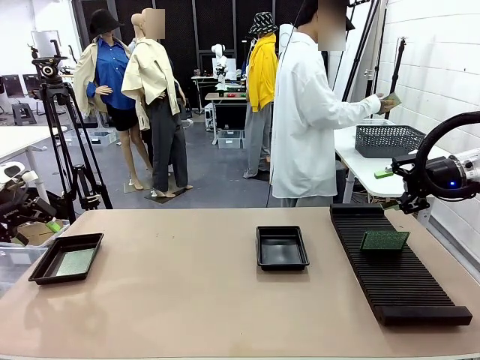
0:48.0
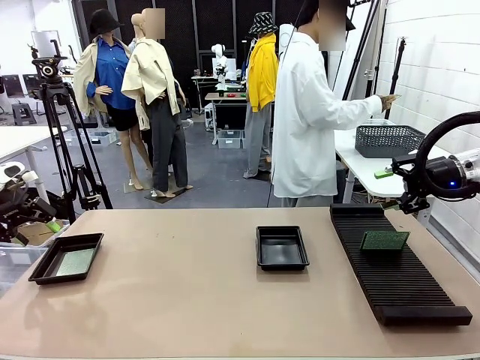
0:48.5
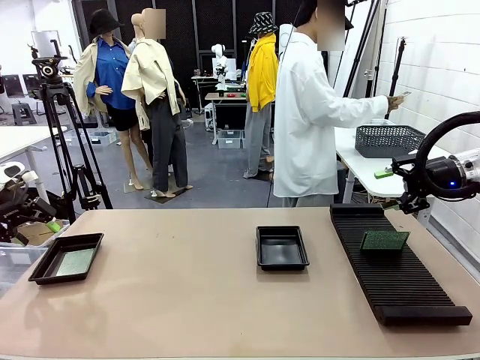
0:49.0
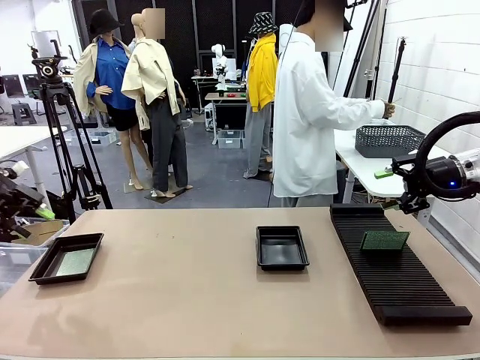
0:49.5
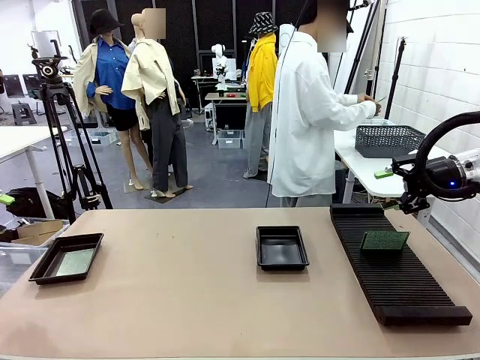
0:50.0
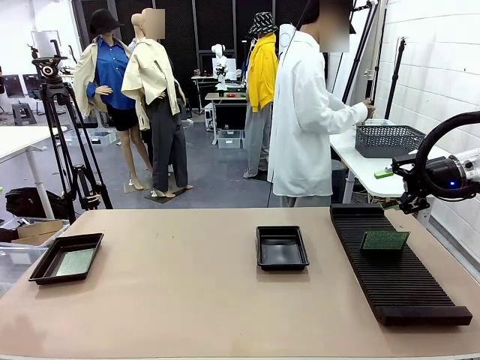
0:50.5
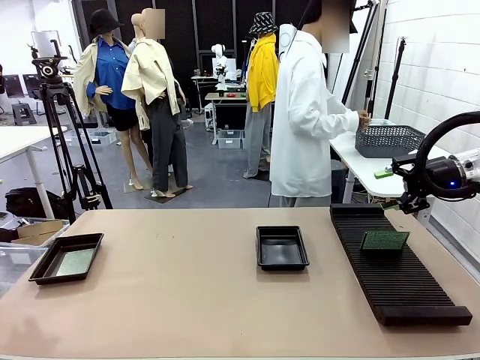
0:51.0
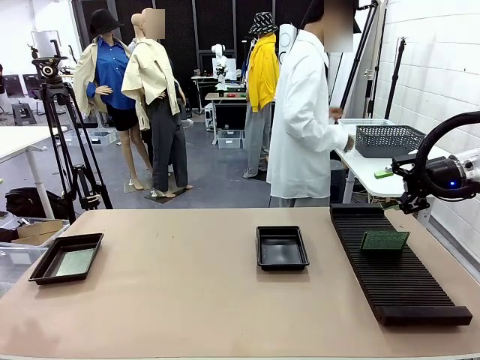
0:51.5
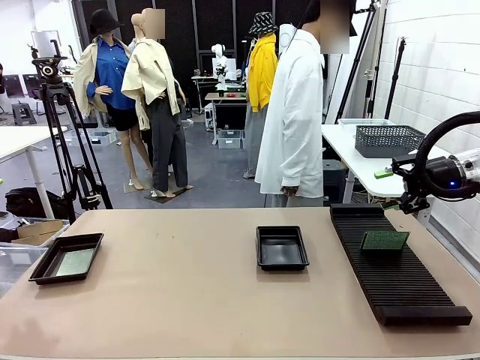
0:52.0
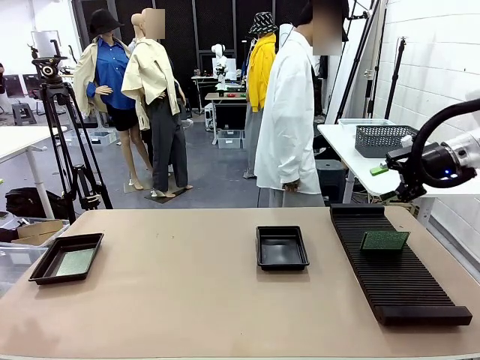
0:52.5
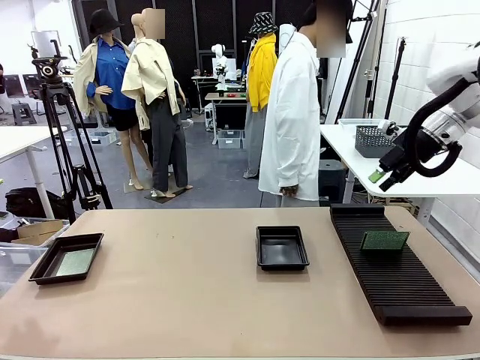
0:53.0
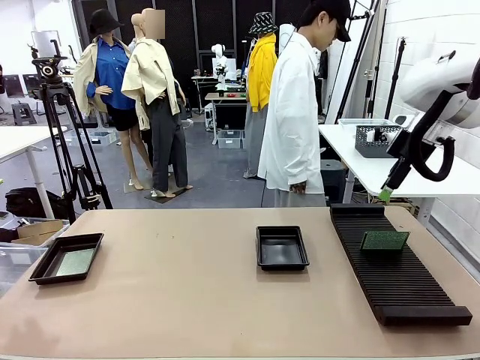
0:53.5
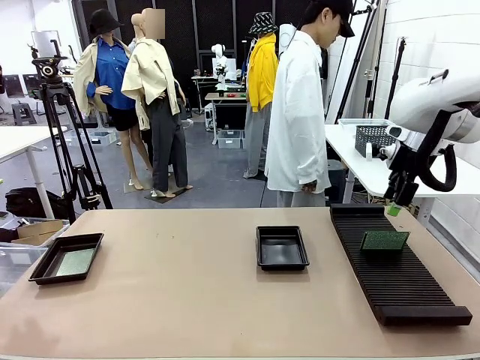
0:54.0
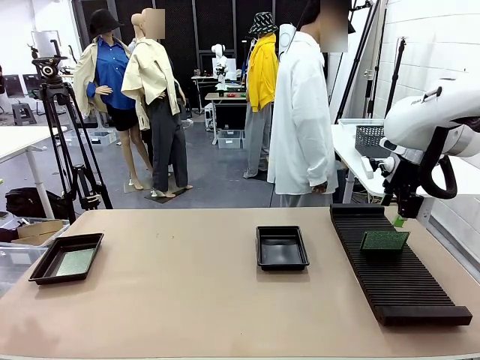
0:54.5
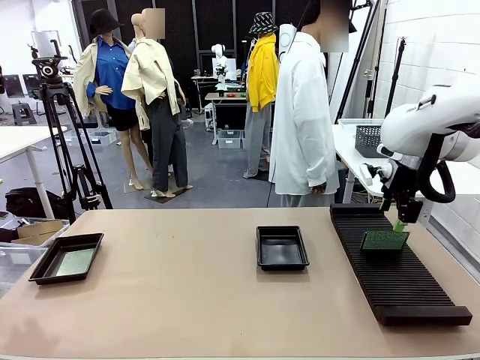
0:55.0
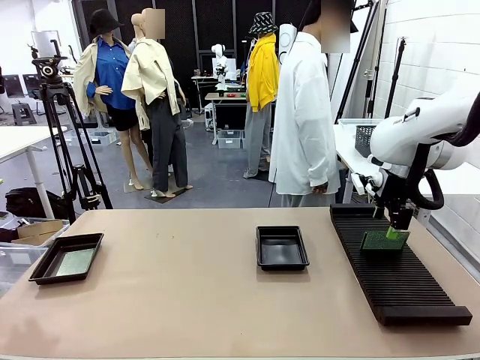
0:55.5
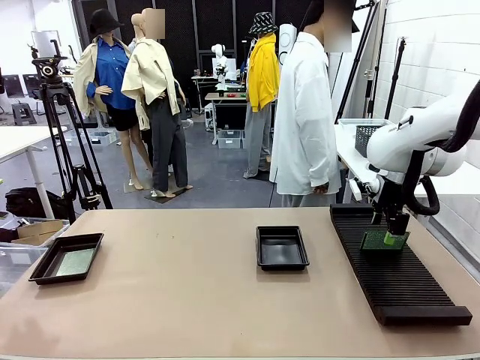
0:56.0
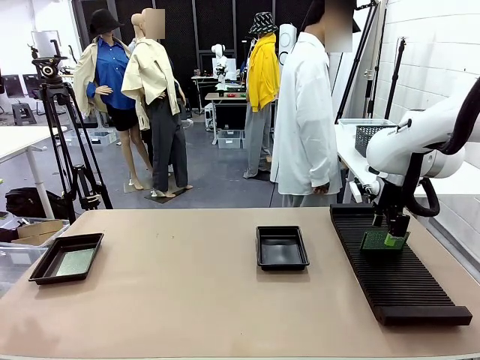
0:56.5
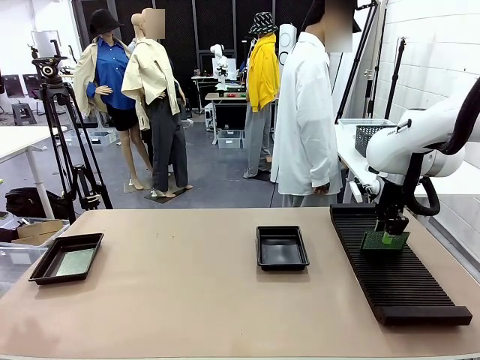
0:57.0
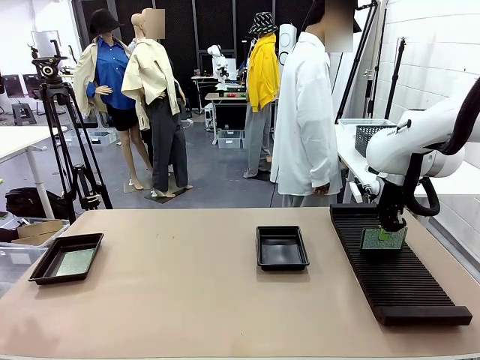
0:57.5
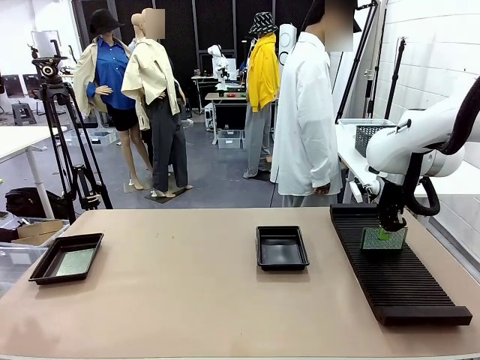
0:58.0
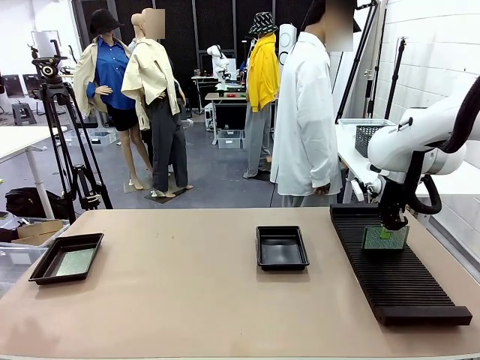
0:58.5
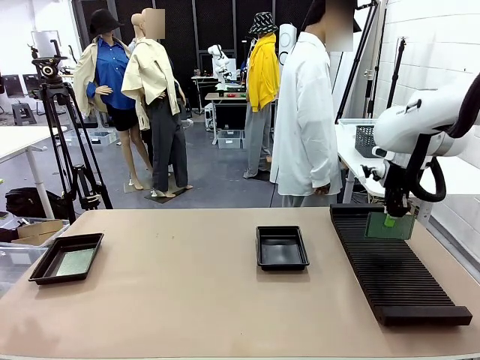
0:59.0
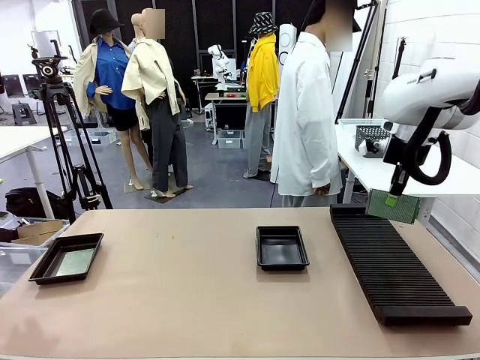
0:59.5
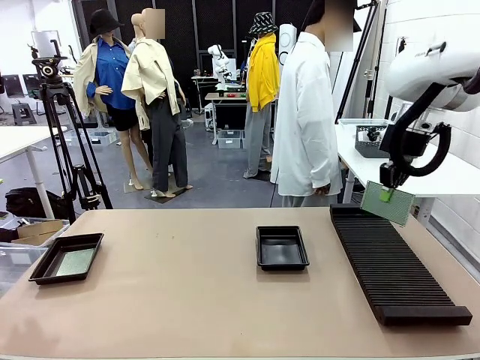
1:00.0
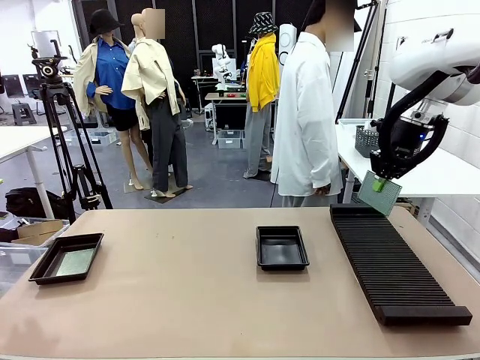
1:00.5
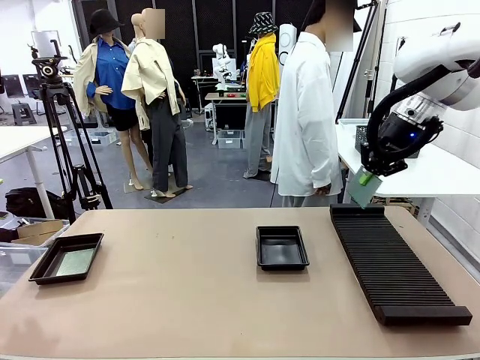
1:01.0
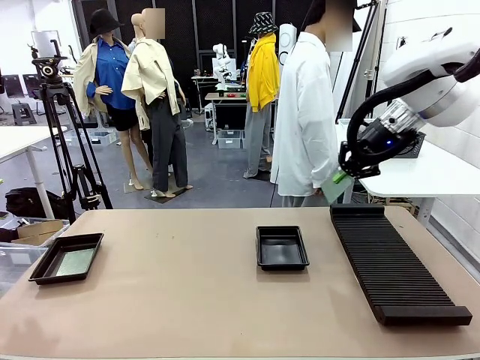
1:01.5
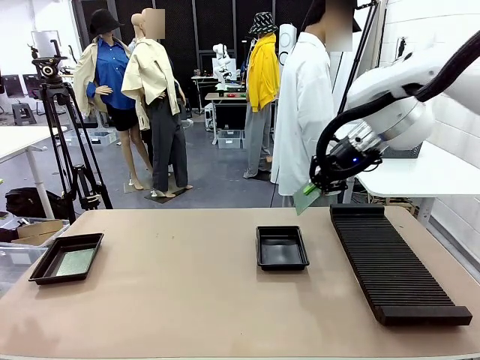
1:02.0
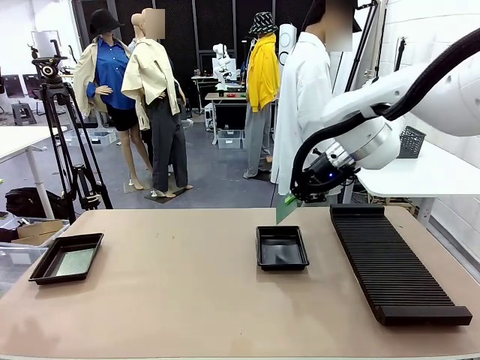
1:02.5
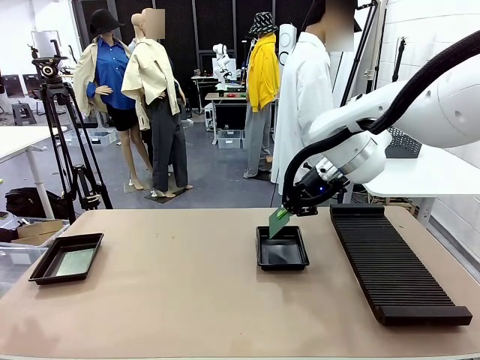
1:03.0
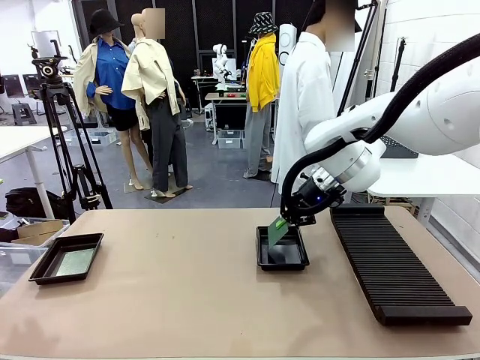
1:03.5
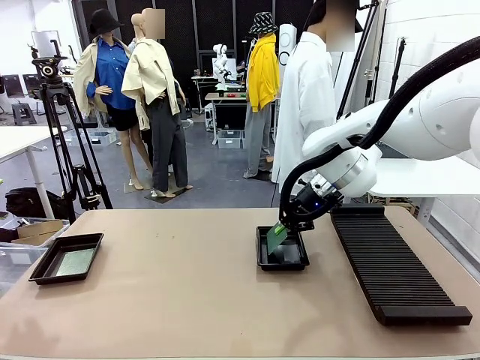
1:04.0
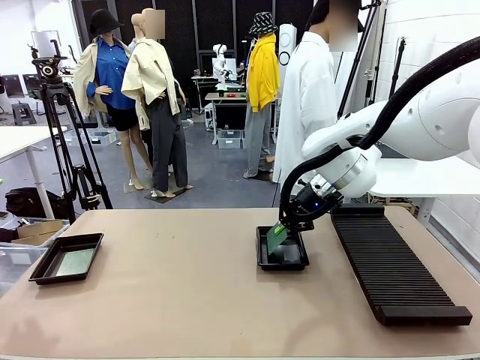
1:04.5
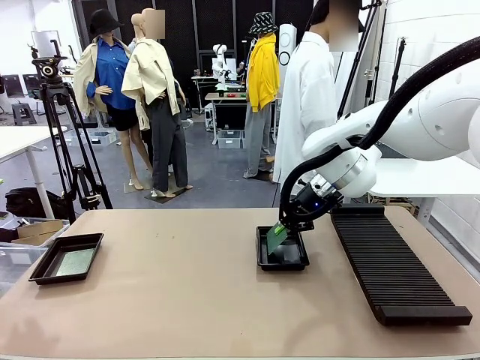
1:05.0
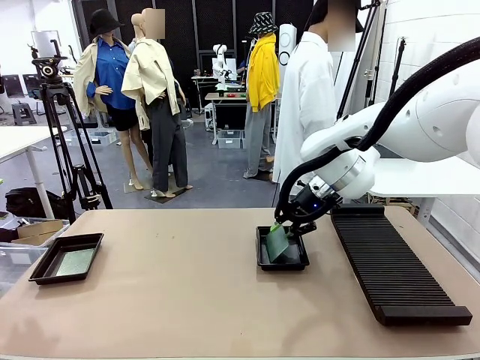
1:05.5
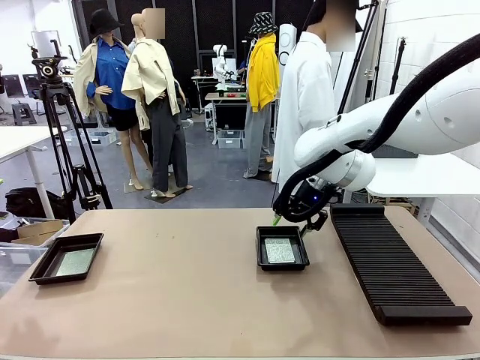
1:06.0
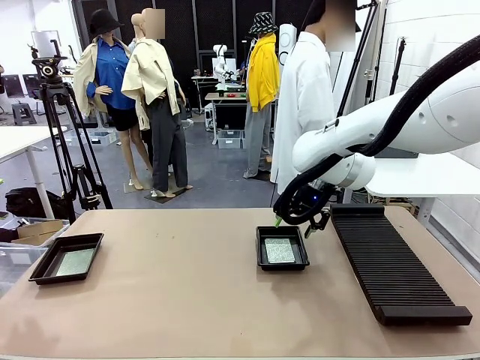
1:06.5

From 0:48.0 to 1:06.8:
Task: Inspect and transfer BCBs to ESD trays.
Robot: Pick up the Blank PCB from the PCB Rack and place it in the right ESD tray.

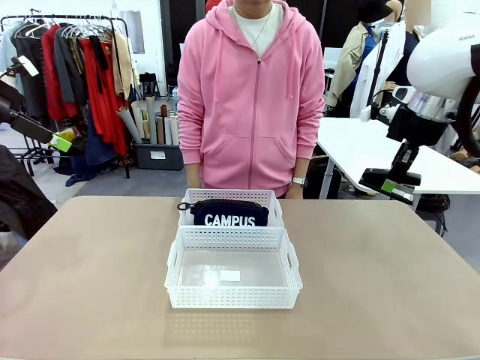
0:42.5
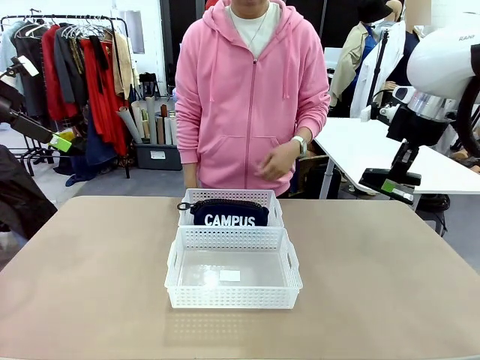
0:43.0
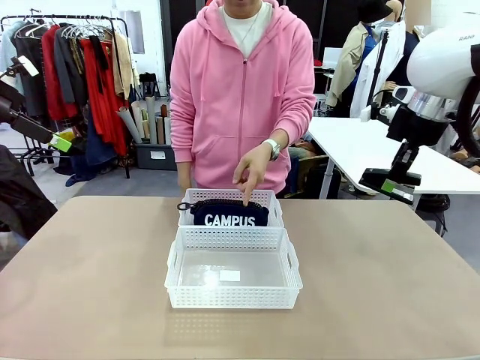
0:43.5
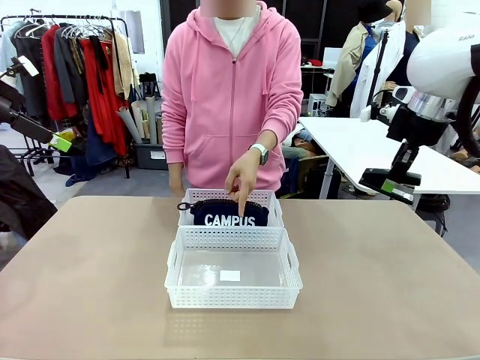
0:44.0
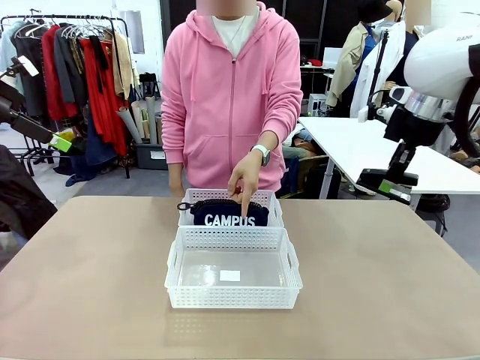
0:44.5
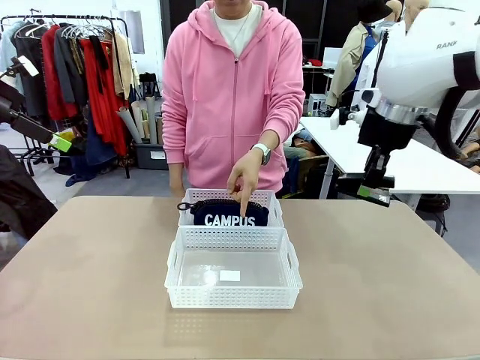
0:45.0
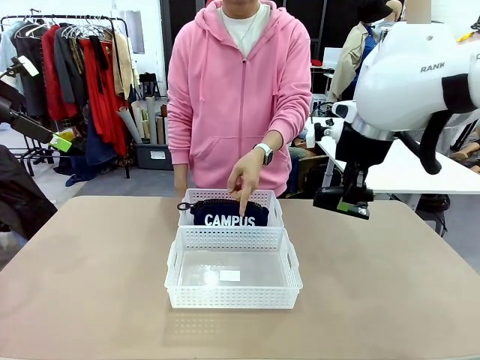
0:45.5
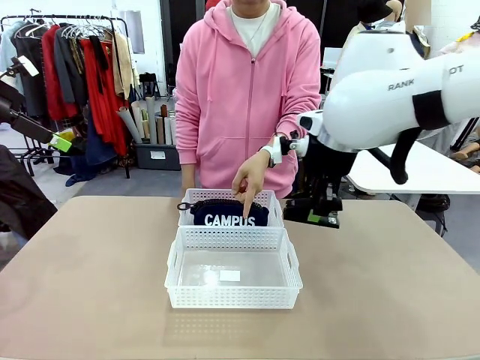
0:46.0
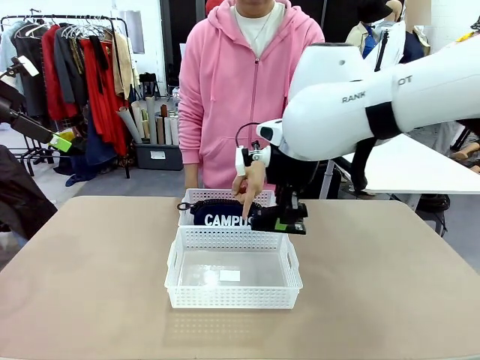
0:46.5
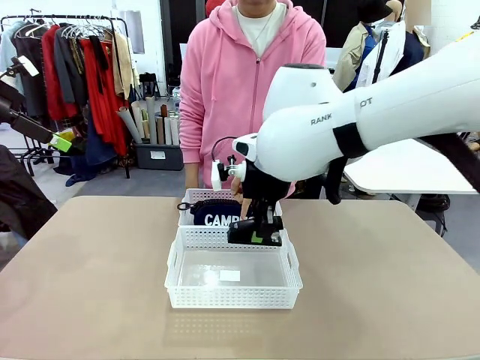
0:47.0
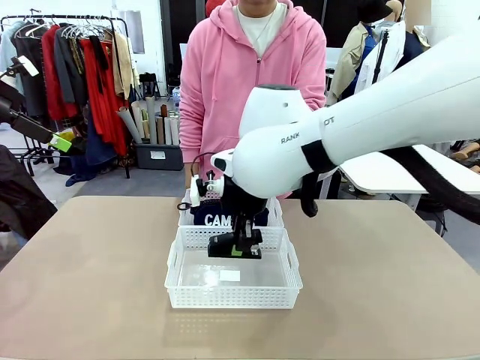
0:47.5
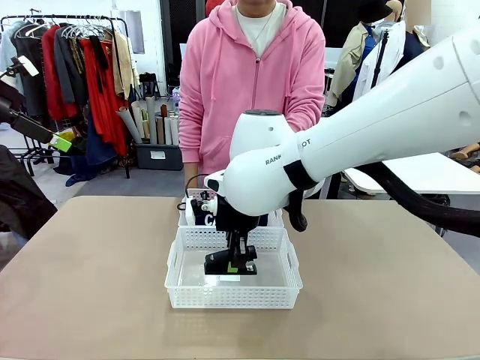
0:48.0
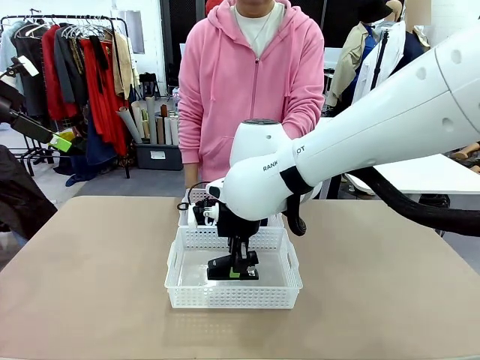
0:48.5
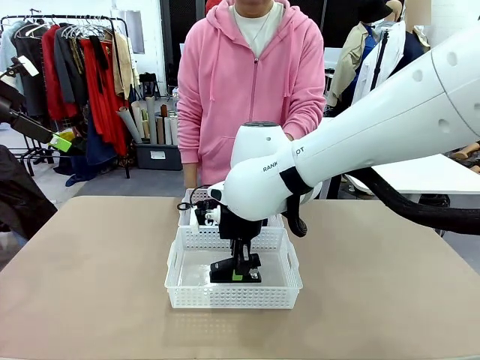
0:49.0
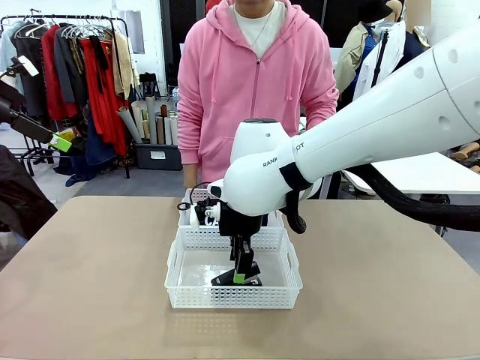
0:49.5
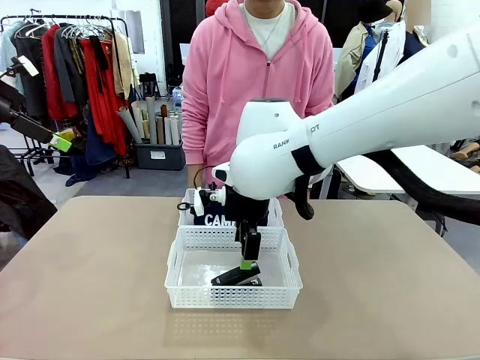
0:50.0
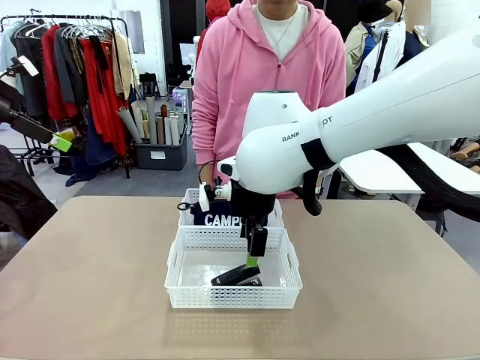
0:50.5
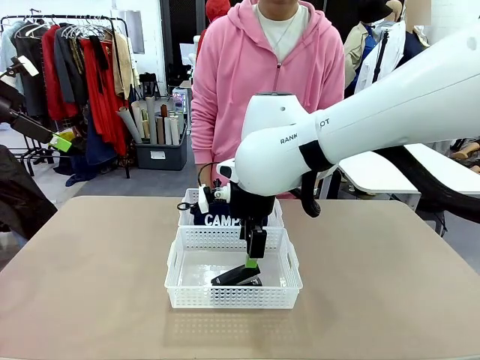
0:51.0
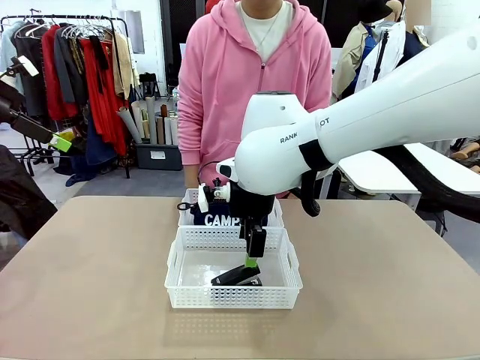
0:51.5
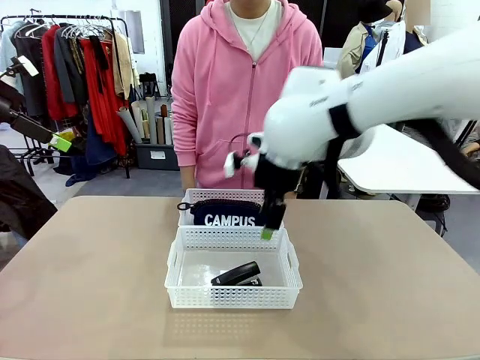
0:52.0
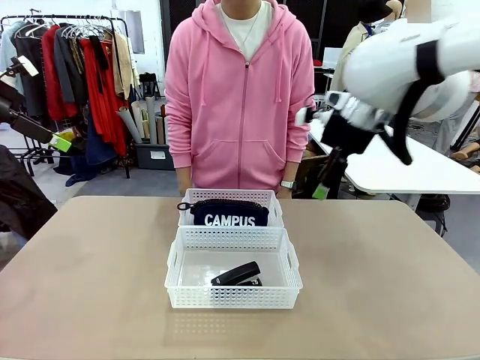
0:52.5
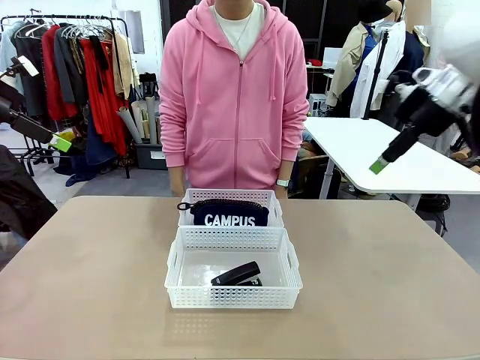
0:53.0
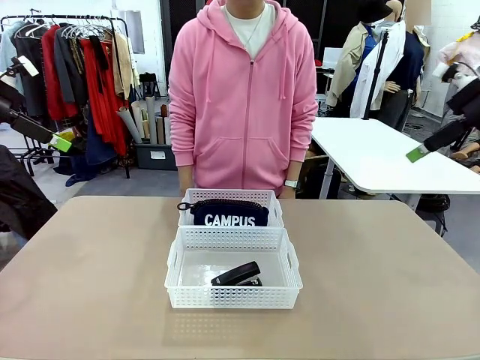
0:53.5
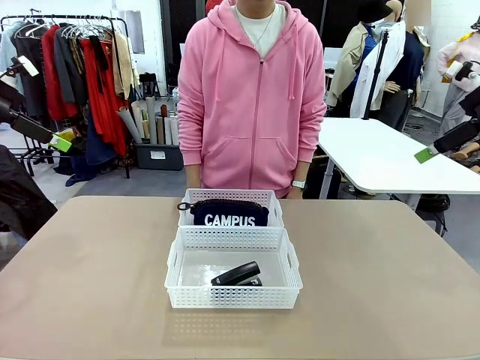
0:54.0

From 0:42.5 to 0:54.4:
Task: Distribute items into two baskets.
Robot: Place the picked Stapler into the Organizing basket as instructed by the person.
Person: Points to the basket that does not contain the pencil case and instructs the robot to move the stapler there.
